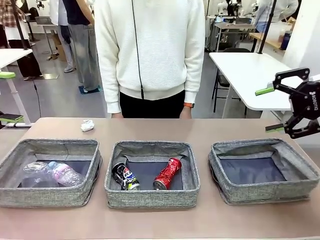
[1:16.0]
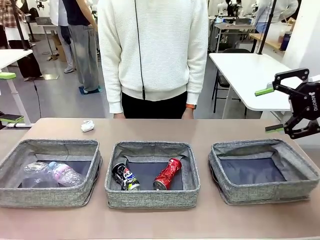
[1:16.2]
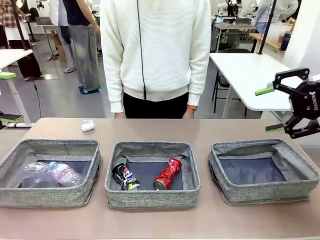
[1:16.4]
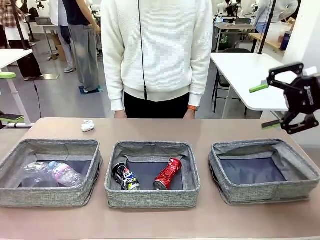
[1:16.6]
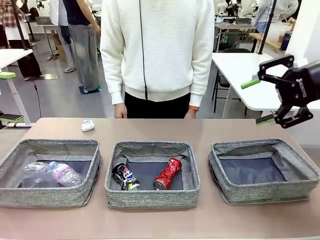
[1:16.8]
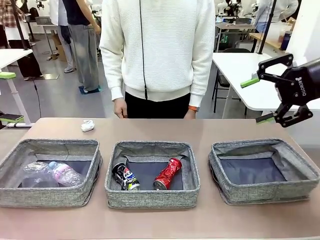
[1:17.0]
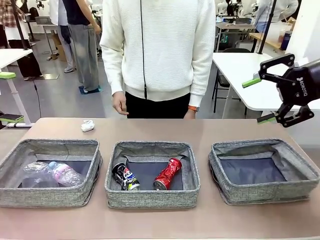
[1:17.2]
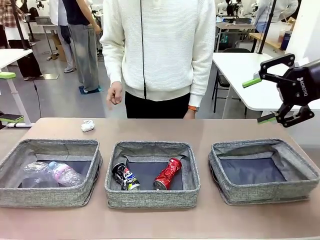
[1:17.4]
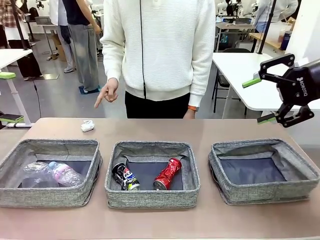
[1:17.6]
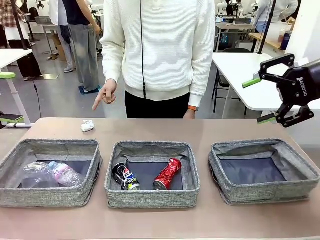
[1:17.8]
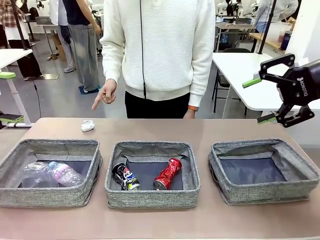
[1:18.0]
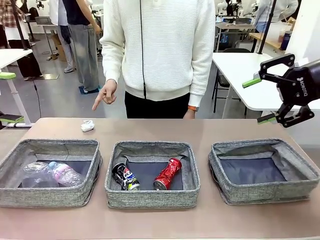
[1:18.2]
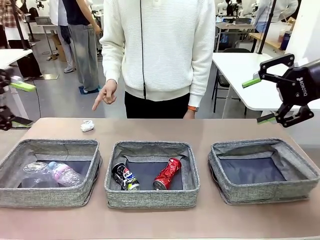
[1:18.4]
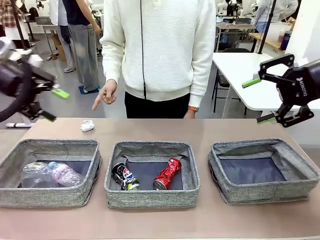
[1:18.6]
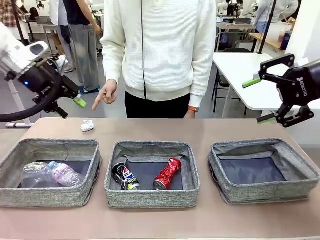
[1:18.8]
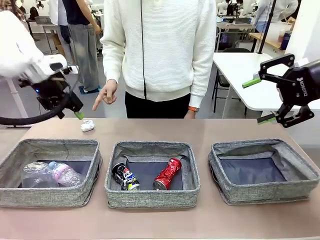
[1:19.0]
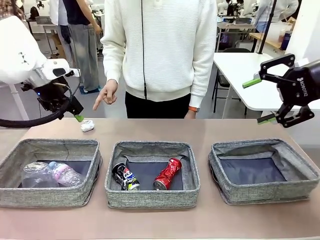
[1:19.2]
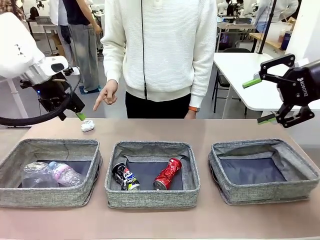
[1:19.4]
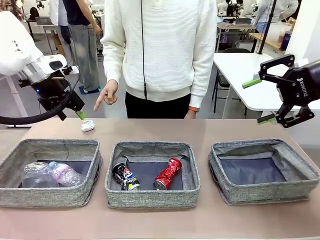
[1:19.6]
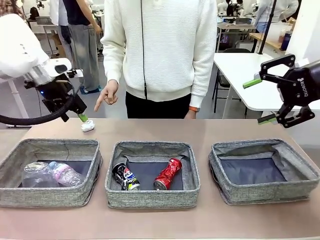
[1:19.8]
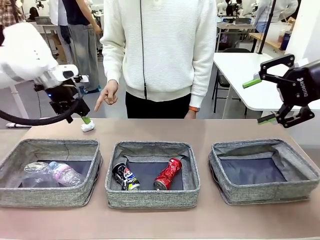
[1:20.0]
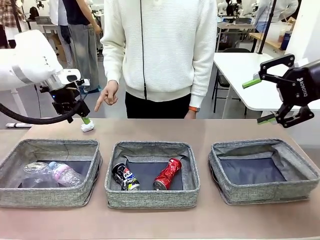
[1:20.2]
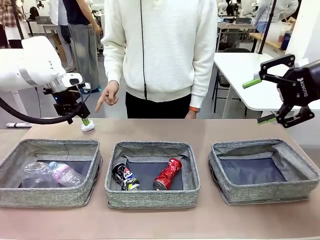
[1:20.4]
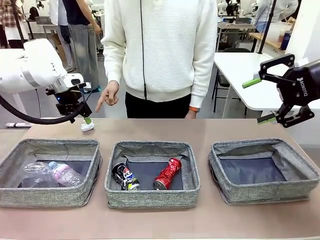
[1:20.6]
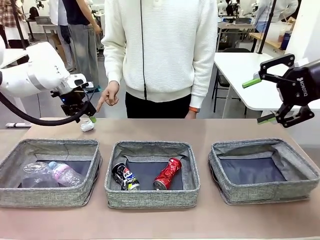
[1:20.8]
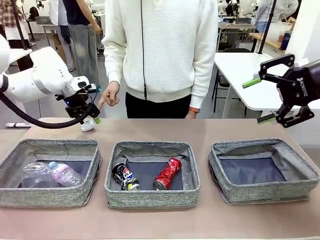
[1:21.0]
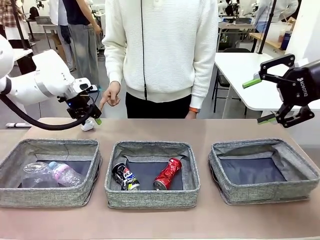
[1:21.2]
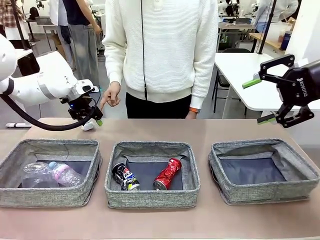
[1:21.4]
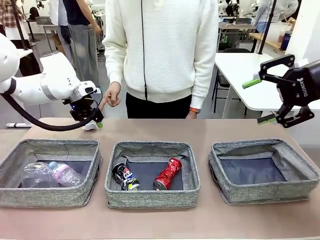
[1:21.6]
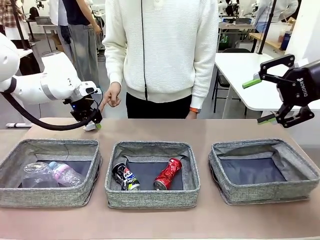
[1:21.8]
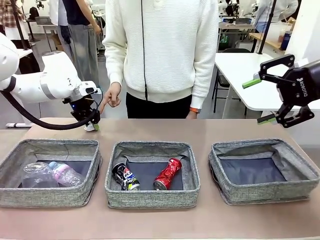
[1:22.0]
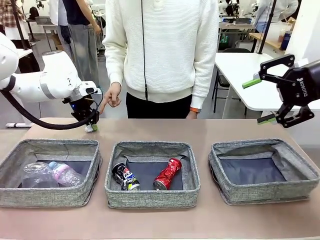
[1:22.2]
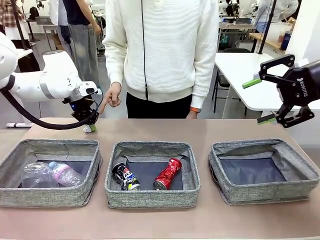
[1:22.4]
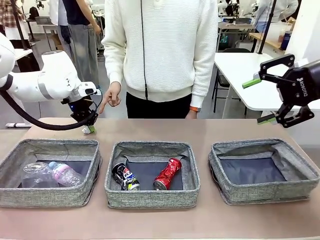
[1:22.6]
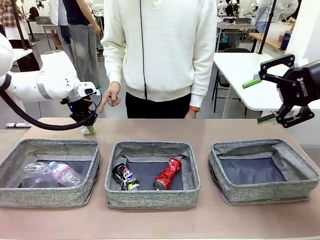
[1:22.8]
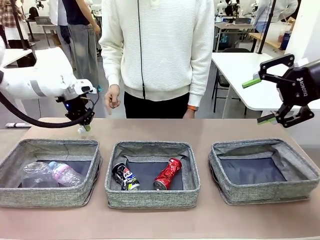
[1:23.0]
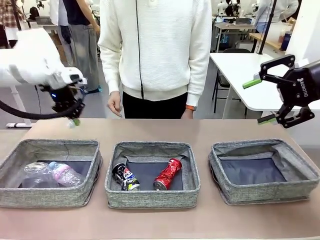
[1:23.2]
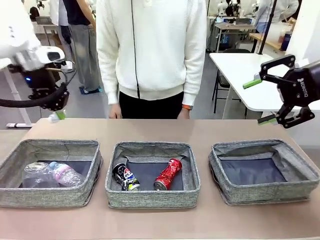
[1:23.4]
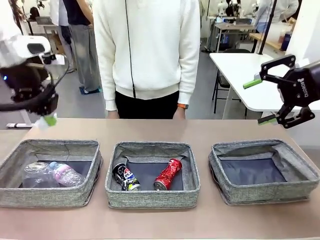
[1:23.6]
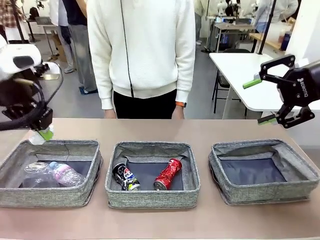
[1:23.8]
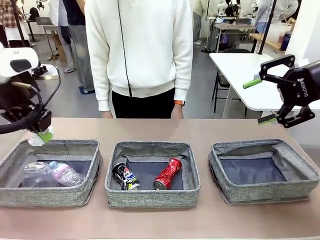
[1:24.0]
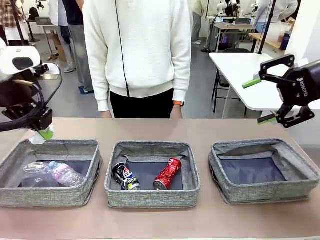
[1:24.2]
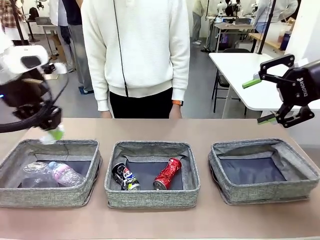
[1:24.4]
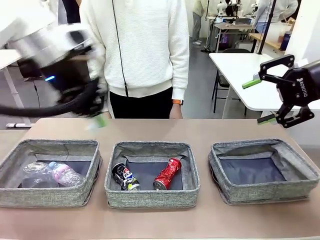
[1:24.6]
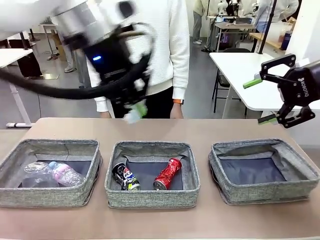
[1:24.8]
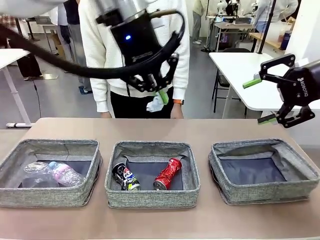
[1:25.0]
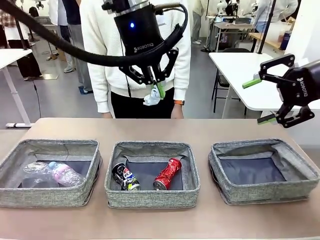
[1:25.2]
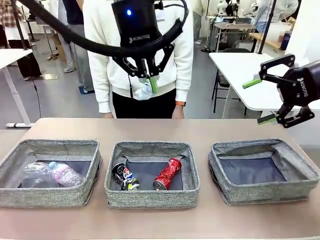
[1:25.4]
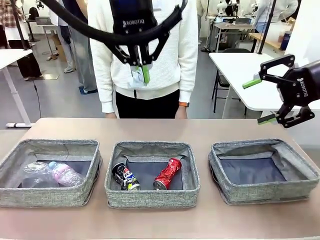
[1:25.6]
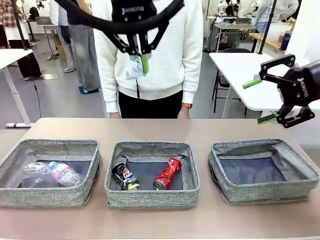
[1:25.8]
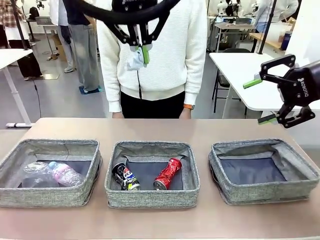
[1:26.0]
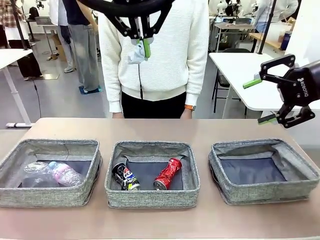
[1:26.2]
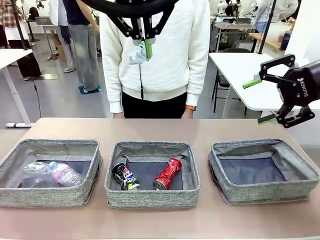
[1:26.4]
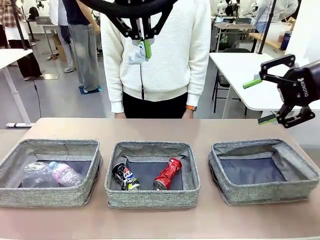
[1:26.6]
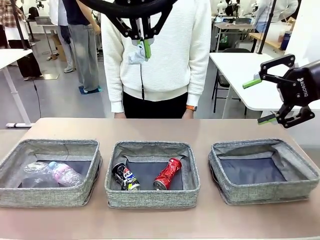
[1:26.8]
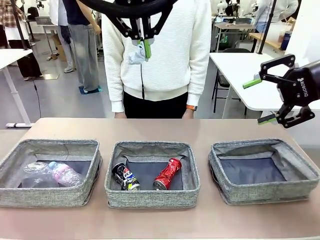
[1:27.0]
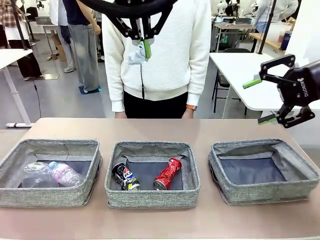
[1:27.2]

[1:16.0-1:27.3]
Task: Sort the waste into the appropriate baskets.
Robot: Pick up the waste item pointed out by the person.
Person: Points to one piece of trash on the table.

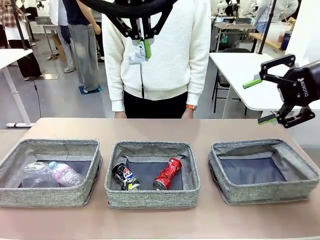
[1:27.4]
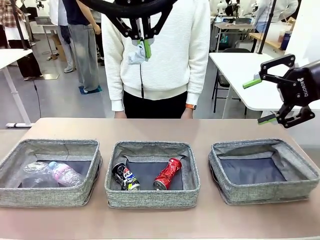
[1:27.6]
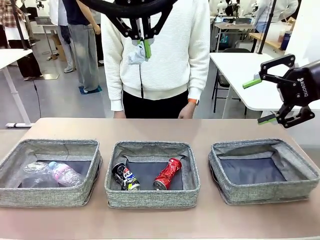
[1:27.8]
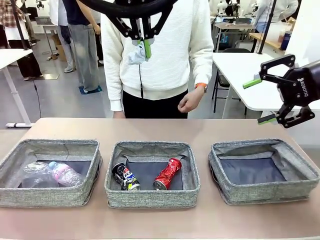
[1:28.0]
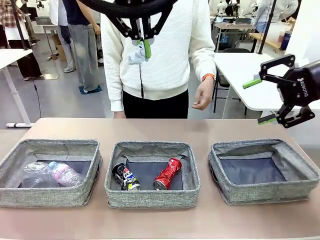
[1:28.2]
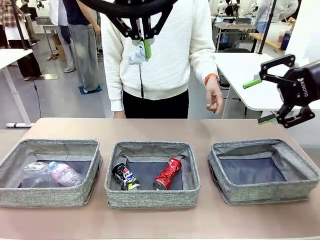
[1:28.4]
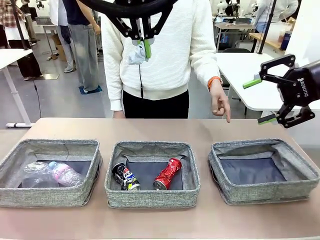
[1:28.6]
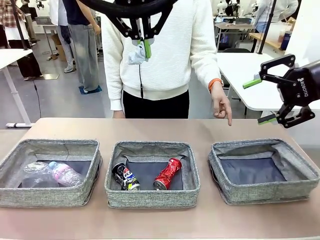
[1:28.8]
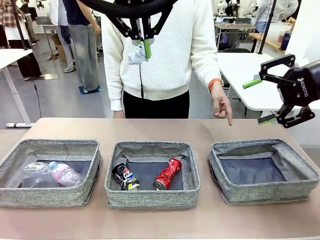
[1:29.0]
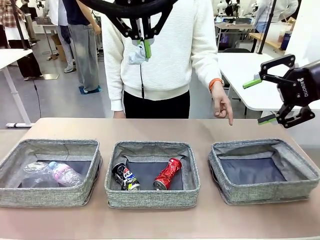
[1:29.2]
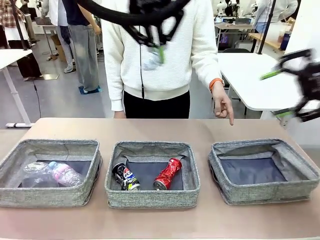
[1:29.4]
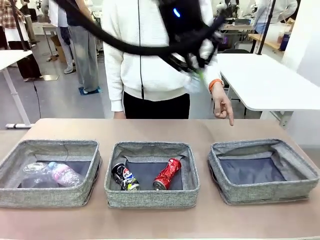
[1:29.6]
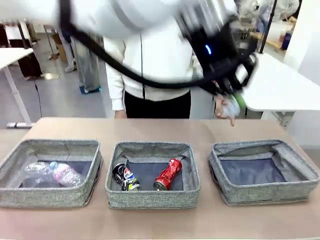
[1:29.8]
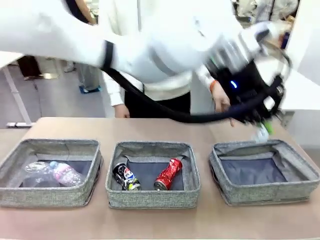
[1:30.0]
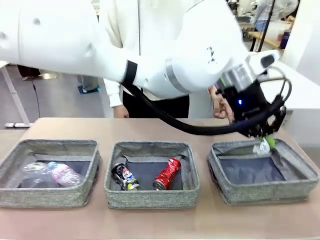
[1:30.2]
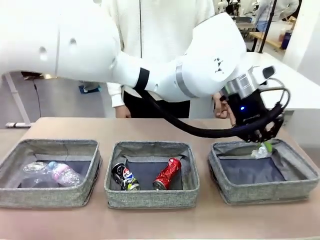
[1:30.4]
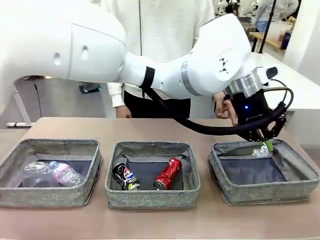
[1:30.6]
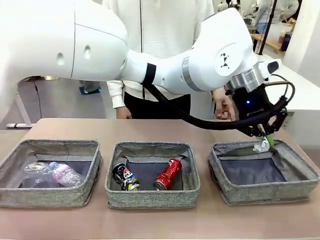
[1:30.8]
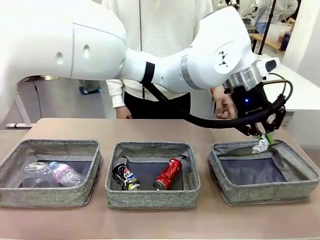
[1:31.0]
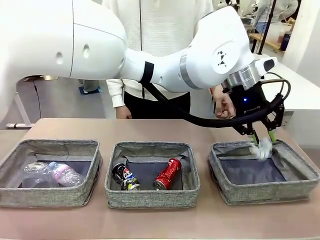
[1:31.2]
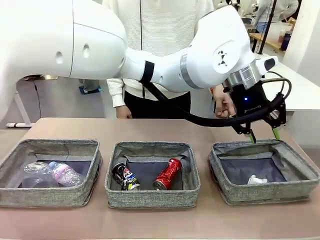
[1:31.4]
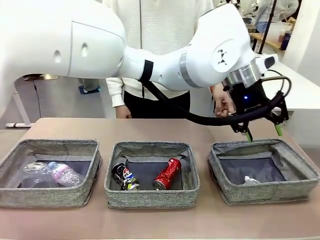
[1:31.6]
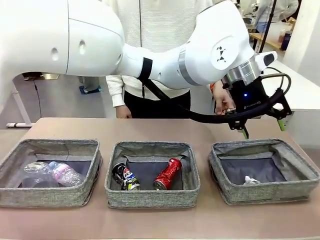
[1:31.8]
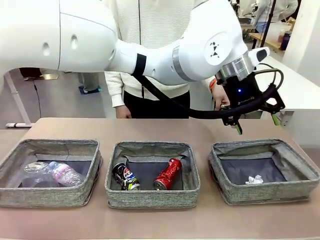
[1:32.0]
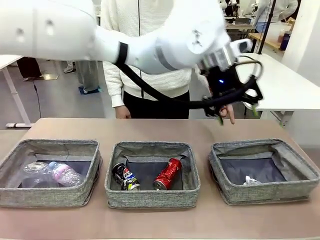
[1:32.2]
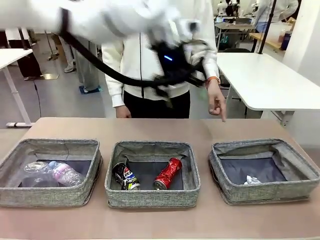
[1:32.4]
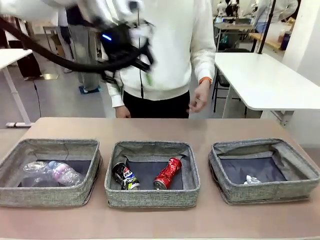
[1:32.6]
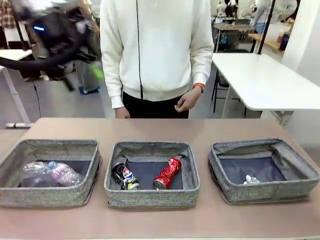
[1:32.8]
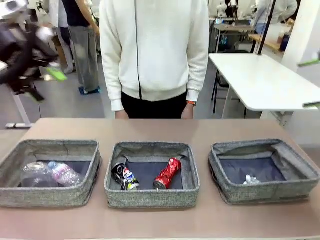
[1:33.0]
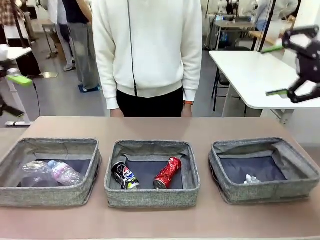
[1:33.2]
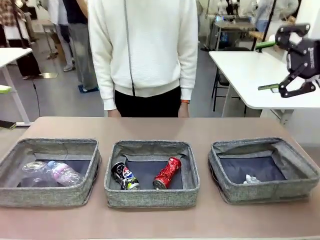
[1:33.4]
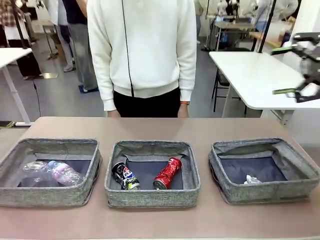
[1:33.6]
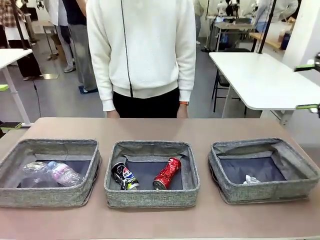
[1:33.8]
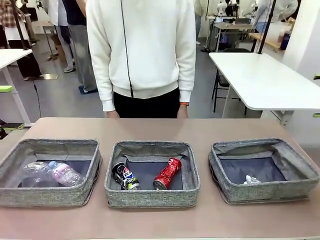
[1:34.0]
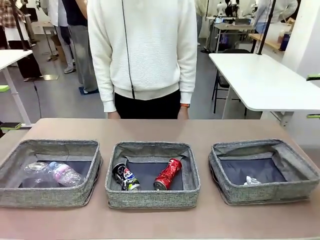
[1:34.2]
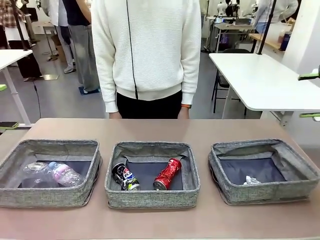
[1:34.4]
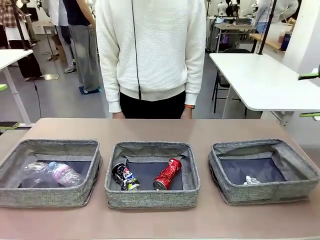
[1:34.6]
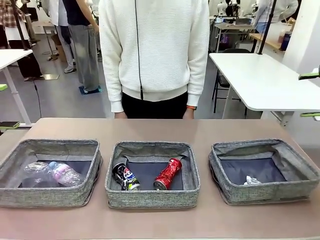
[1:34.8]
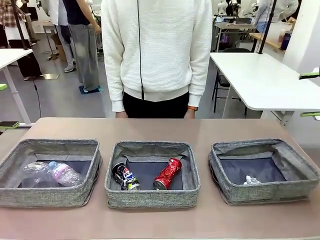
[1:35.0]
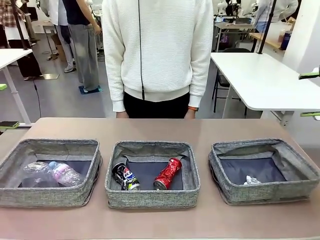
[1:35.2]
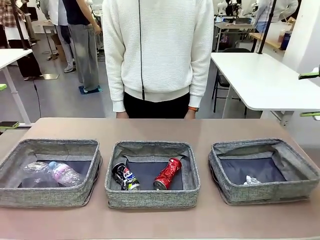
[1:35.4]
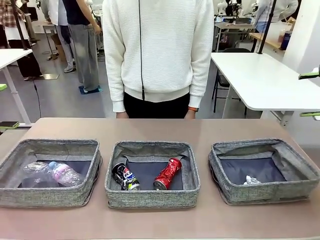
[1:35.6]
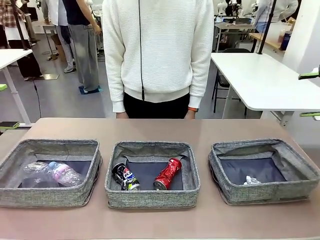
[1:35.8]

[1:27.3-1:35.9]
Robot: Place the picked waste into the Fabric basket indicated by the person.
Person: Instructs the robot to place the picked-up trash into the appropriate organizing basket.
